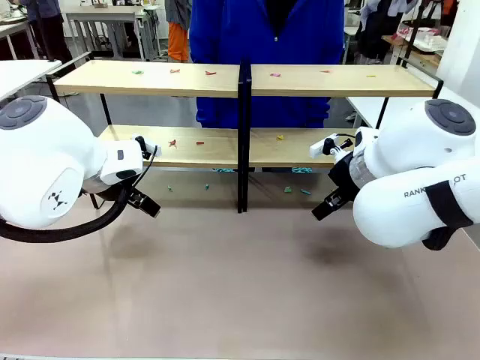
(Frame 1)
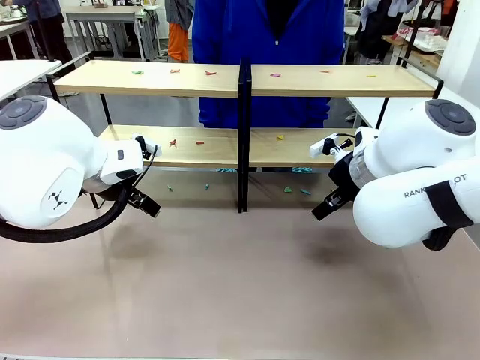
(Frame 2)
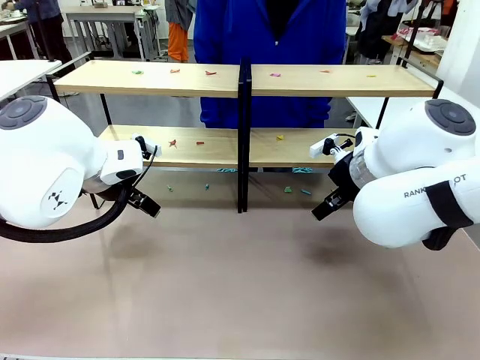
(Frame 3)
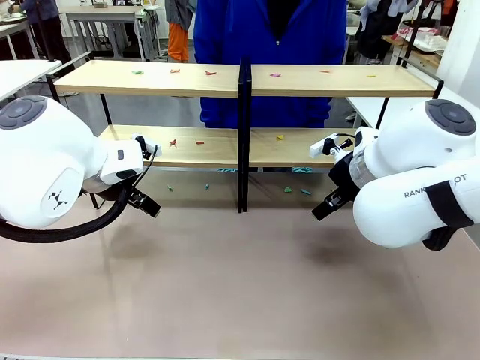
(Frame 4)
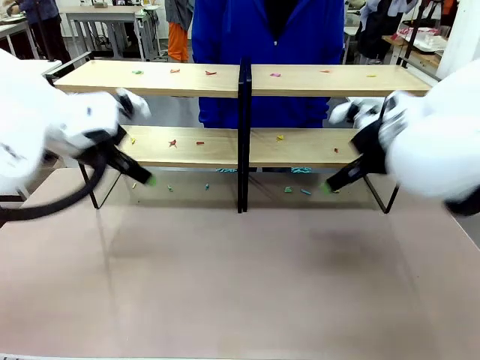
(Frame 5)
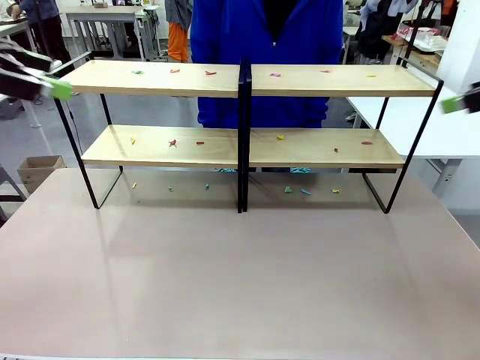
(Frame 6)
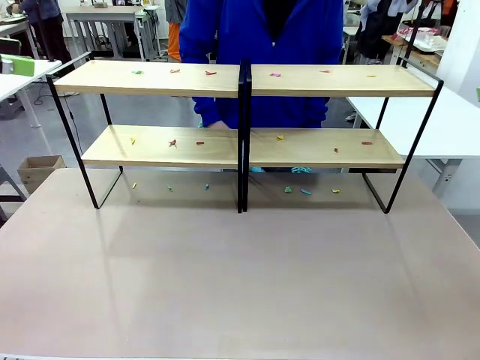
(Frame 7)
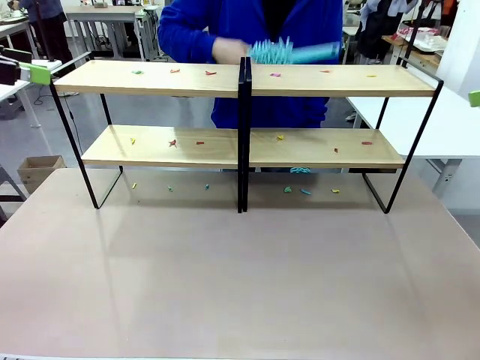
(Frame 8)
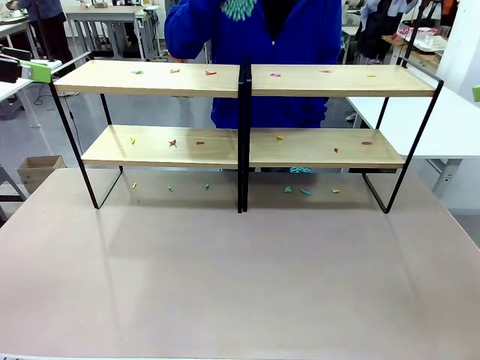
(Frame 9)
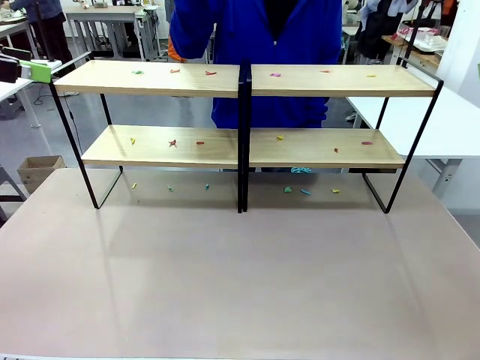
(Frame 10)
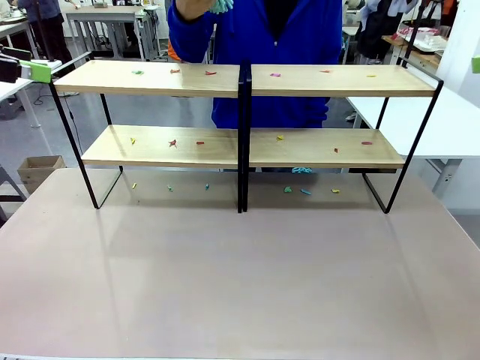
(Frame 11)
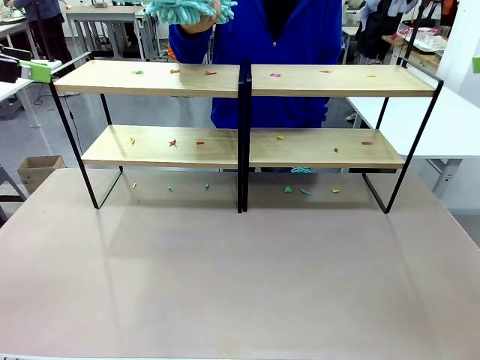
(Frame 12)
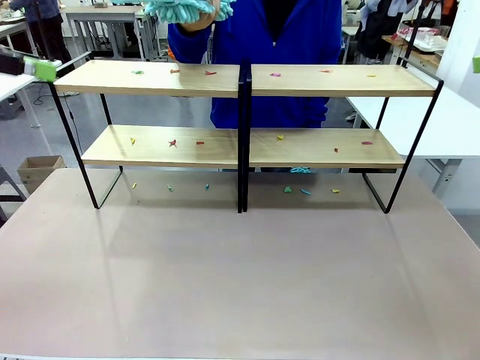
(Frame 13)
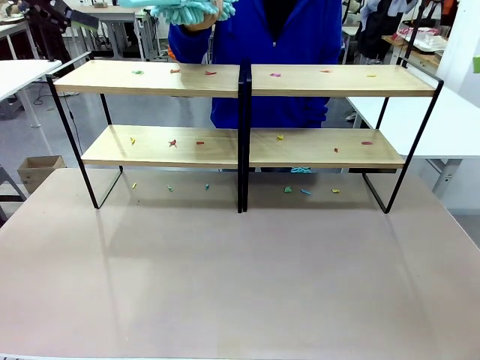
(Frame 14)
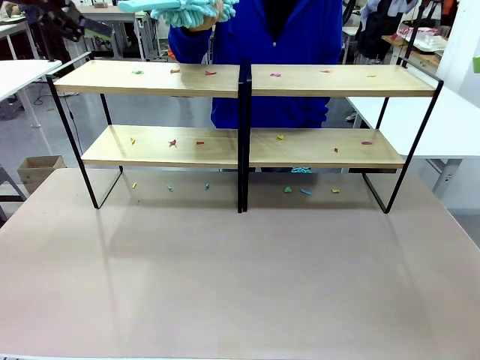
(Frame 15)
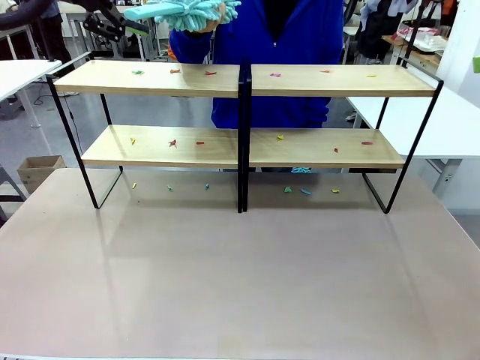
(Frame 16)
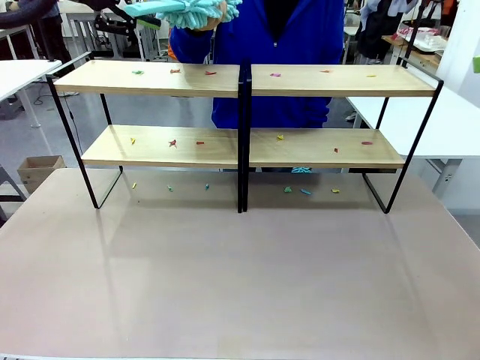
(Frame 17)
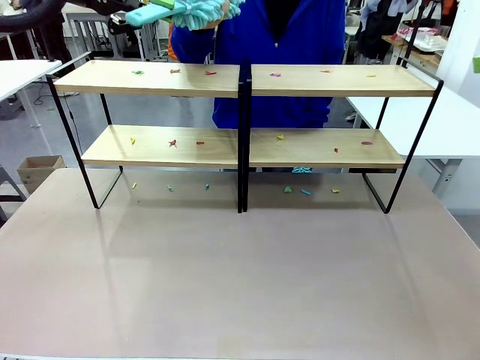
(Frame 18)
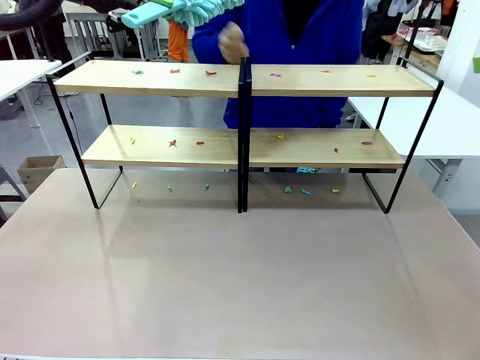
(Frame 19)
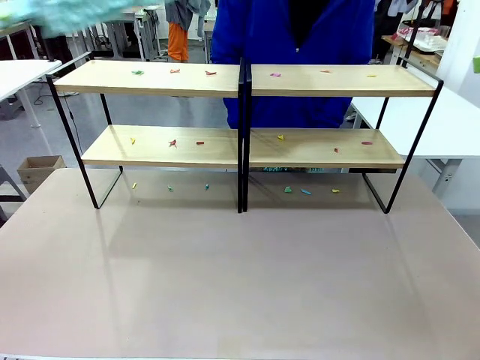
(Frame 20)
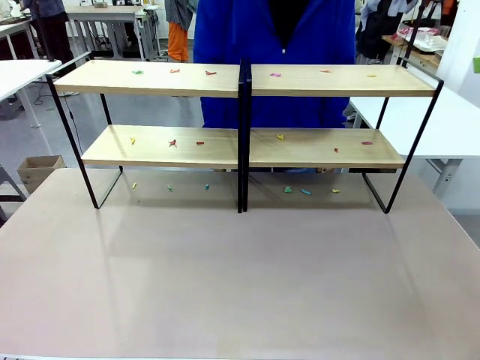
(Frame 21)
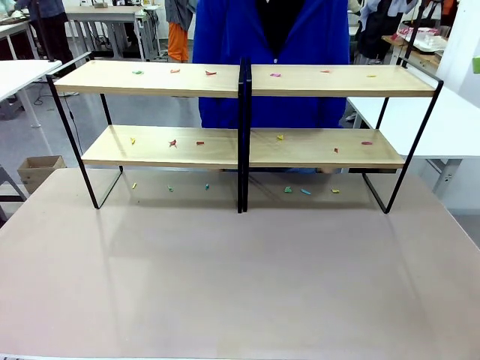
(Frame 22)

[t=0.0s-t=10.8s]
Task: Clean the shelves.
Robot: Pick up the Duster when the human hands it over.
Person: Hand the Duster to the robot with your right (or left) hand.

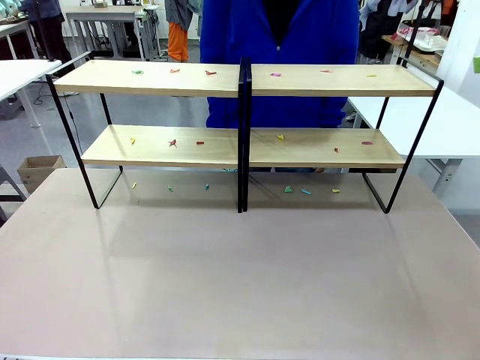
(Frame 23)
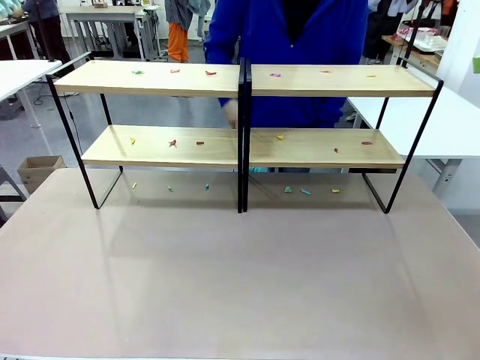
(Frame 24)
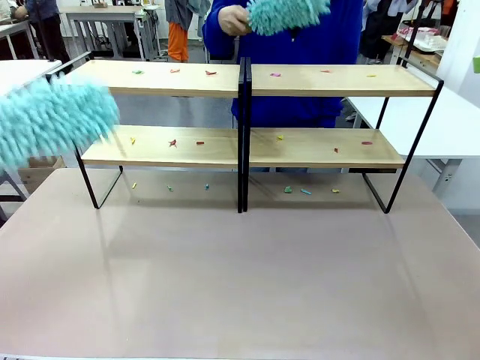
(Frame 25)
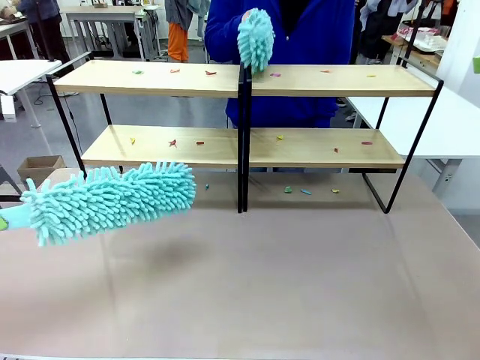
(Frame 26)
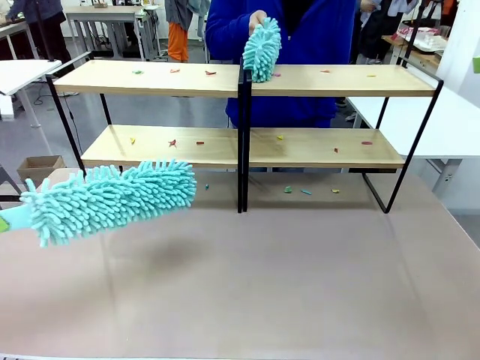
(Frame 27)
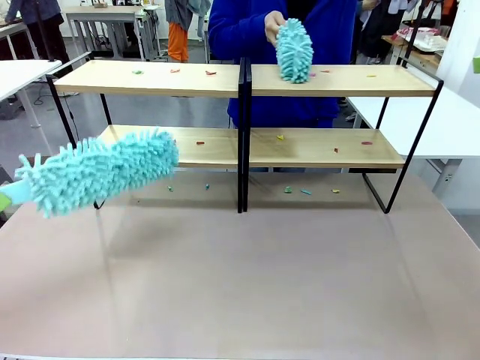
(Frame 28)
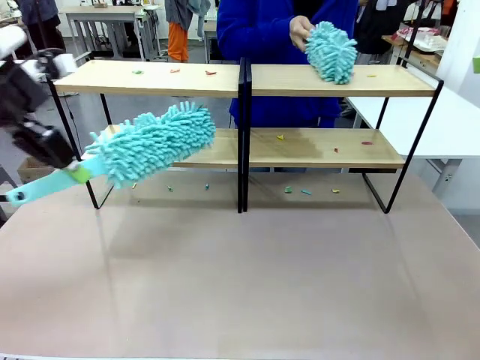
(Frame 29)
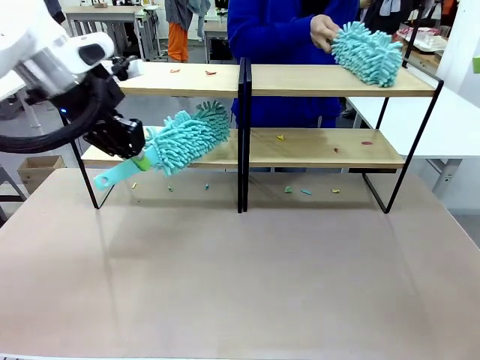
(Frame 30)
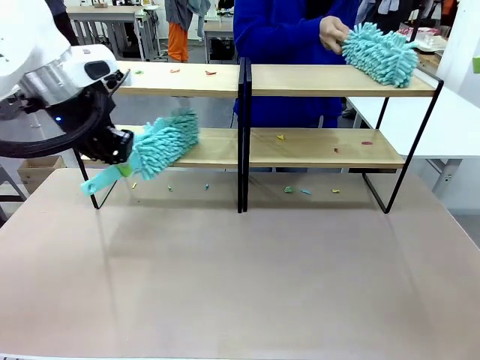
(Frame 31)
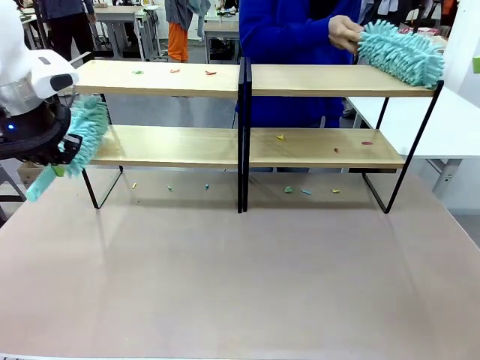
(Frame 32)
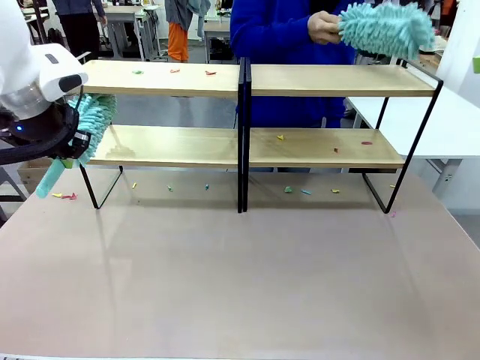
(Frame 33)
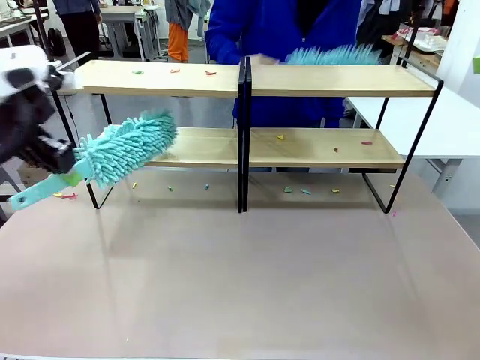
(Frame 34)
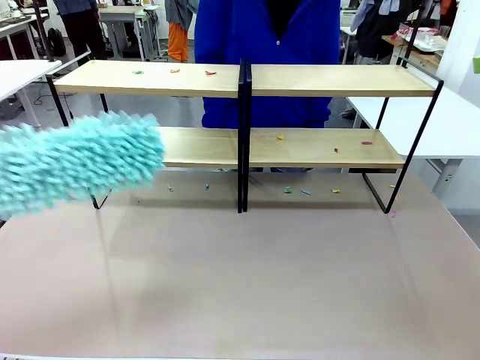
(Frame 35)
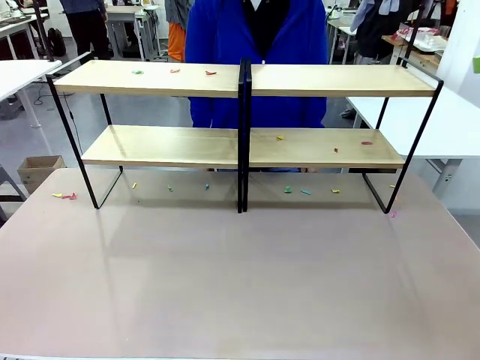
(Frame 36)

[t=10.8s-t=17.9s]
Robot: Clean a randomly selected level of the Shelf with the Duster.

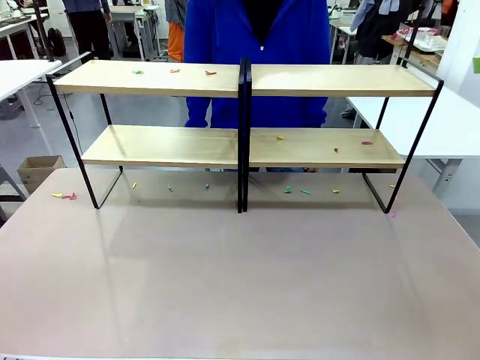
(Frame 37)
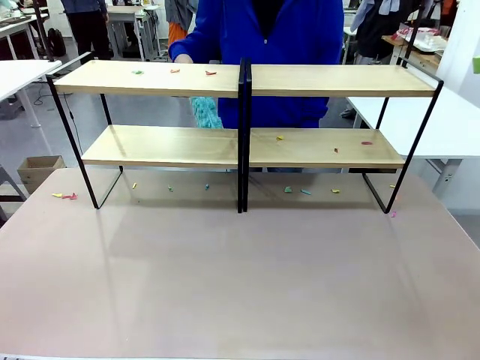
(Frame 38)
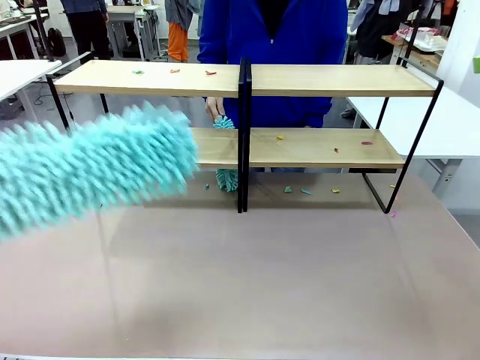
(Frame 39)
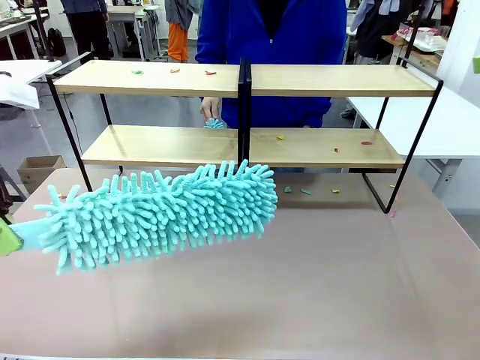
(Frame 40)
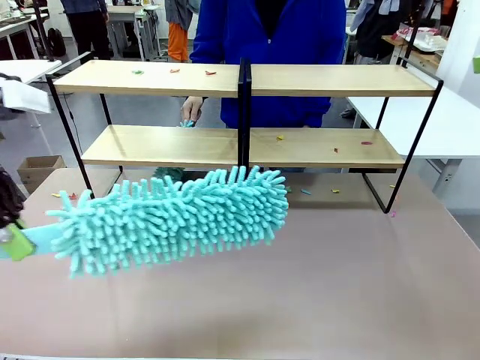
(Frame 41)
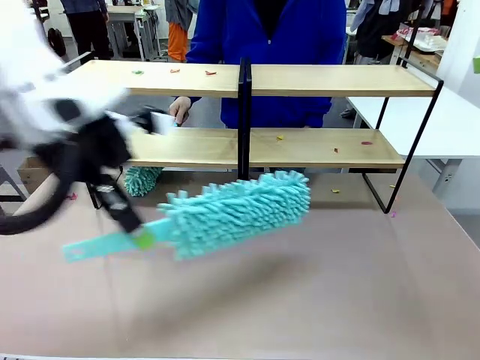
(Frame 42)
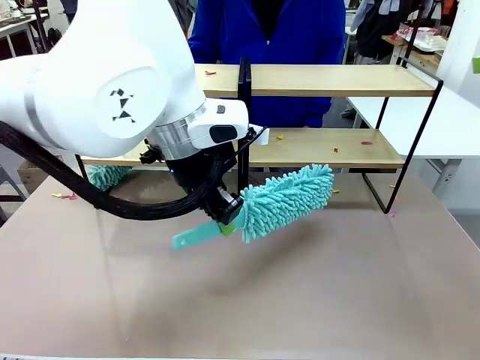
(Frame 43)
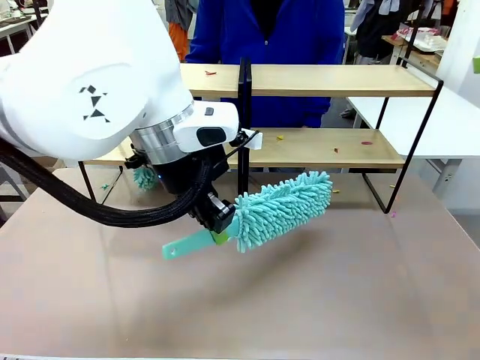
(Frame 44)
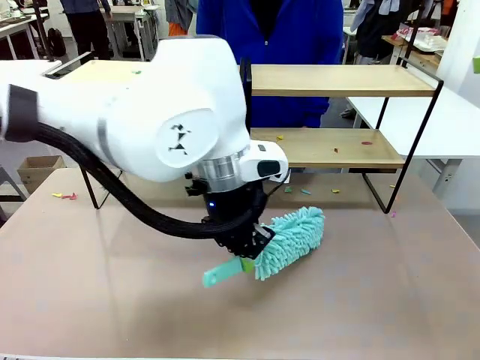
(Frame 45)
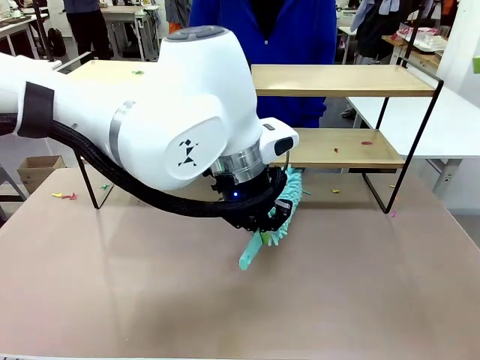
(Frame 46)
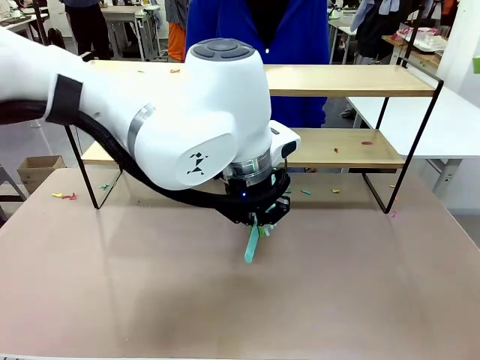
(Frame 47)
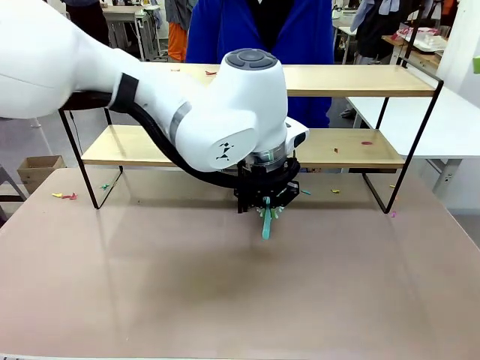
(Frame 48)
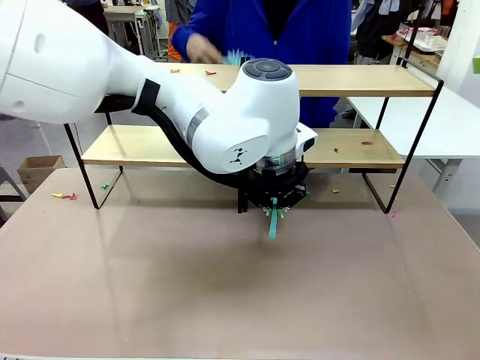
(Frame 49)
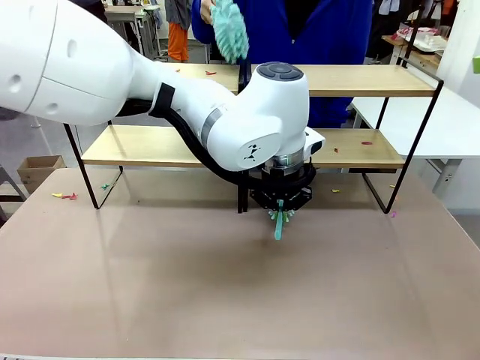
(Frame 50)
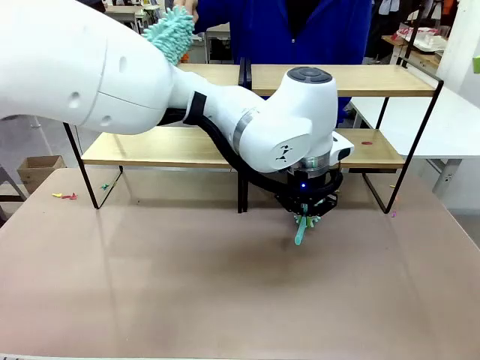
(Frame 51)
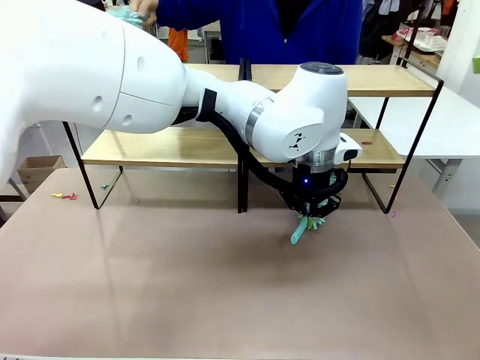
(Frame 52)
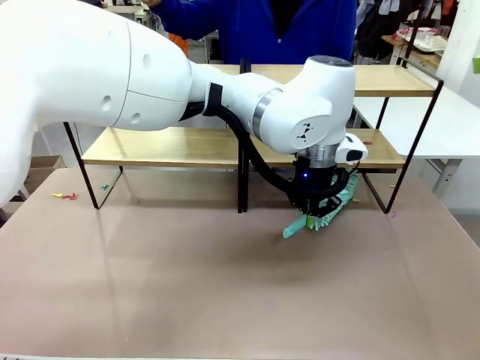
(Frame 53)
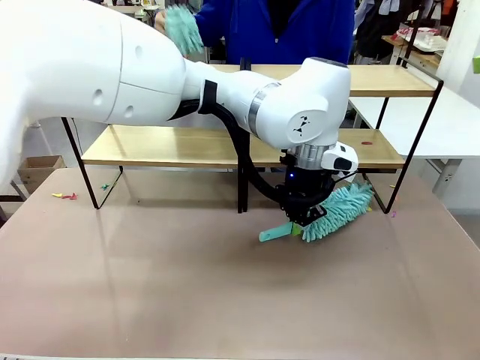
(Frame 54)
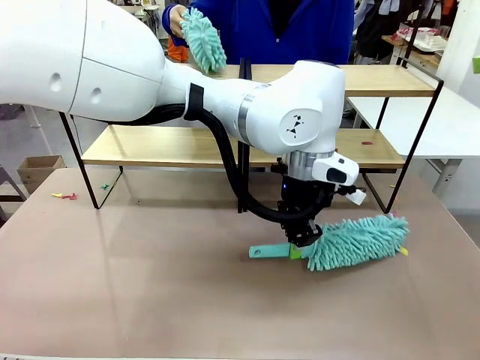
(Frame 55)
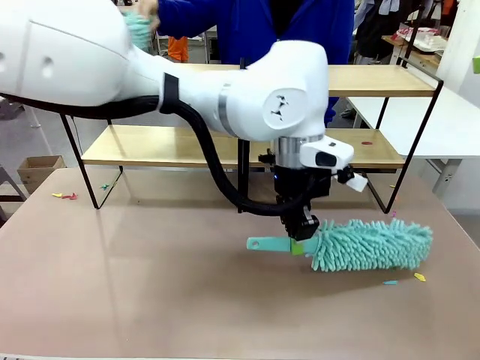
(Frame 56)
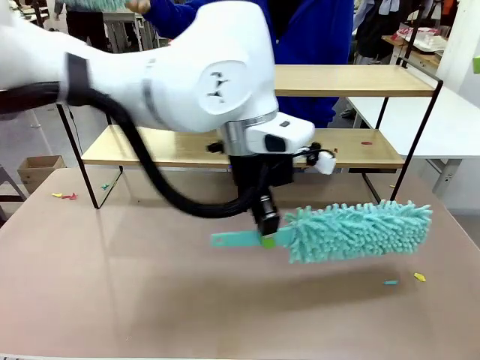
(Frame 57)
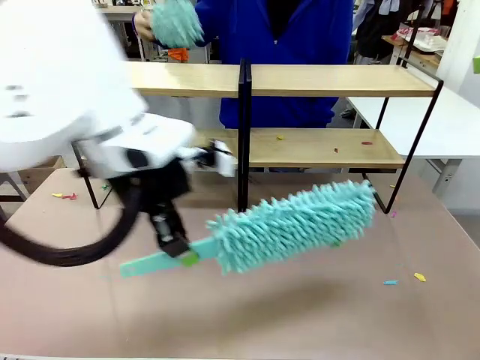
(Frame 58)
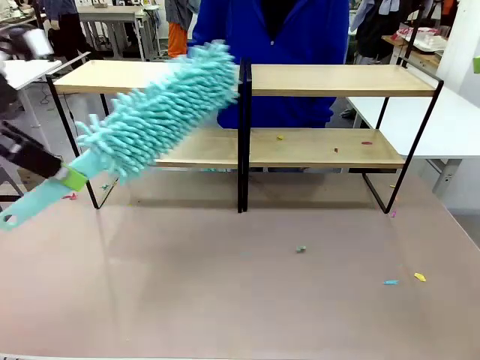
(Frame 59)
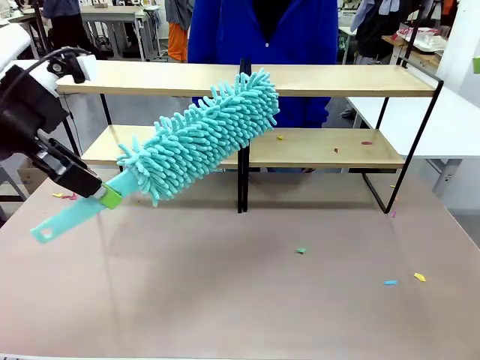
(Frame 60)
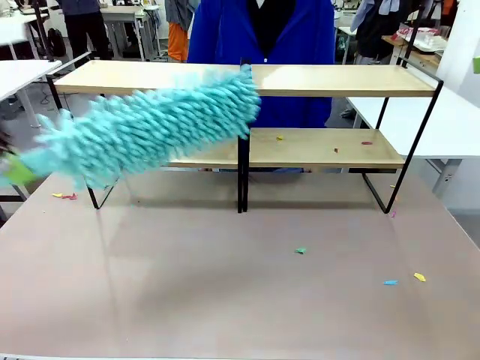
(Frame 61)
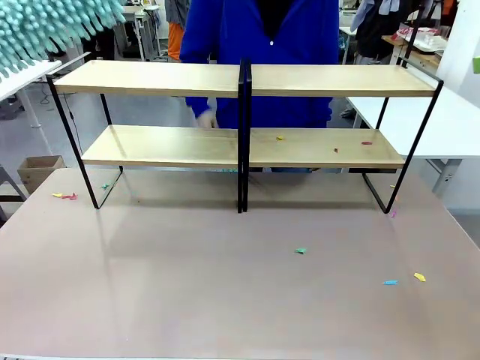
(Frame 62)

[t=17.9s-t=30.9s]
Robot: Clean another randomly selected level of the Shelf with the Duster.
